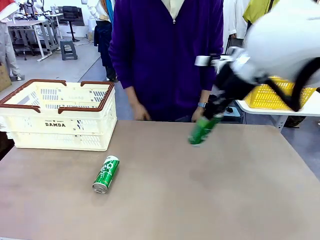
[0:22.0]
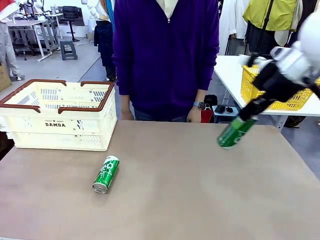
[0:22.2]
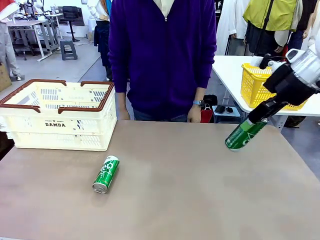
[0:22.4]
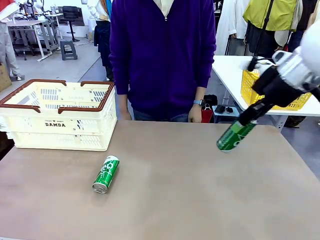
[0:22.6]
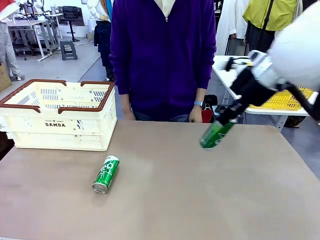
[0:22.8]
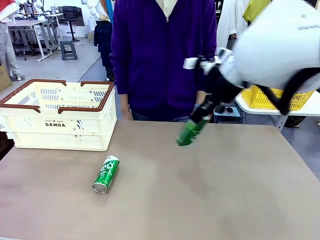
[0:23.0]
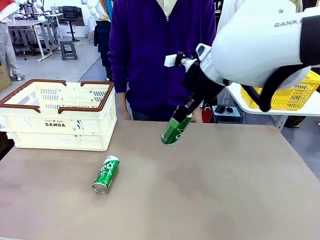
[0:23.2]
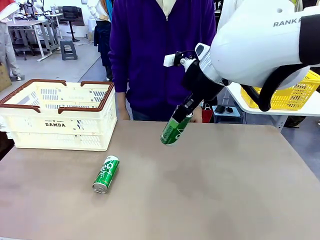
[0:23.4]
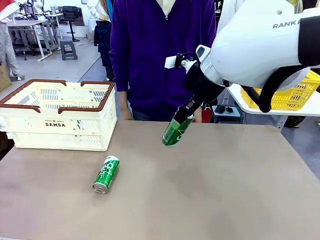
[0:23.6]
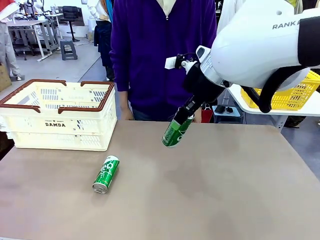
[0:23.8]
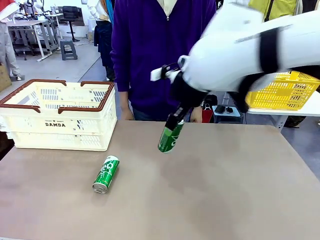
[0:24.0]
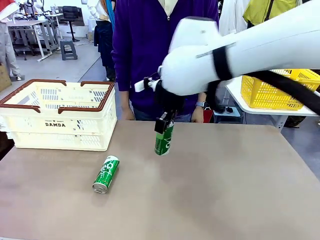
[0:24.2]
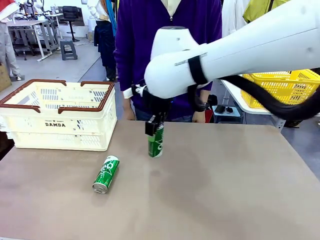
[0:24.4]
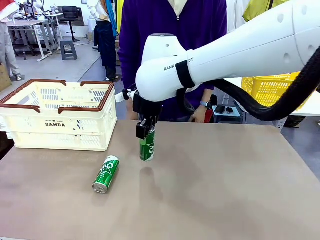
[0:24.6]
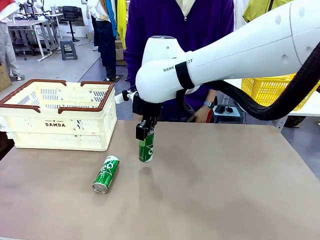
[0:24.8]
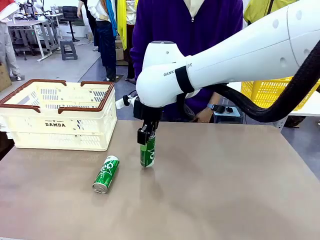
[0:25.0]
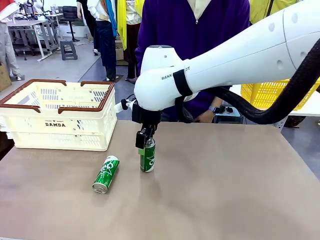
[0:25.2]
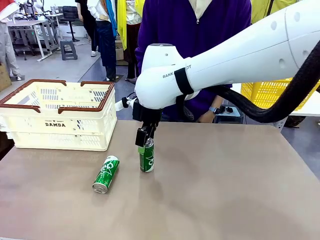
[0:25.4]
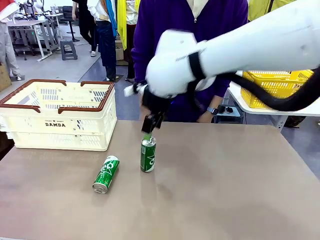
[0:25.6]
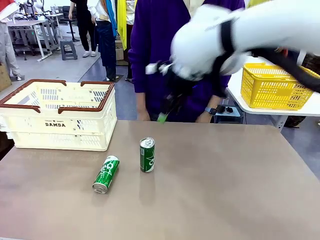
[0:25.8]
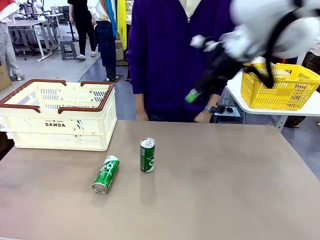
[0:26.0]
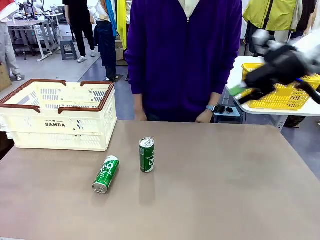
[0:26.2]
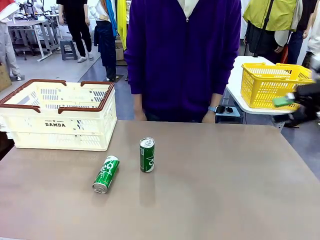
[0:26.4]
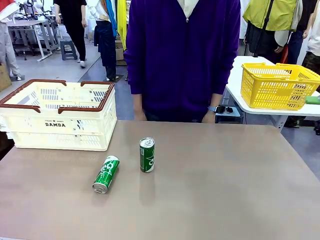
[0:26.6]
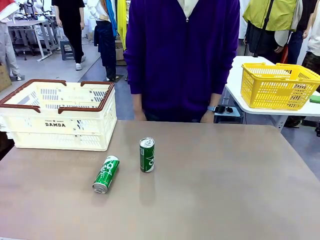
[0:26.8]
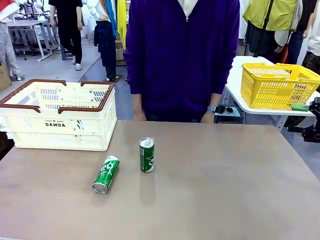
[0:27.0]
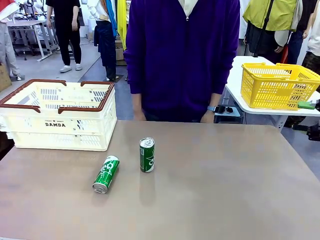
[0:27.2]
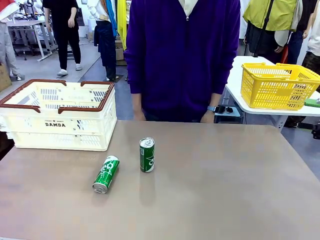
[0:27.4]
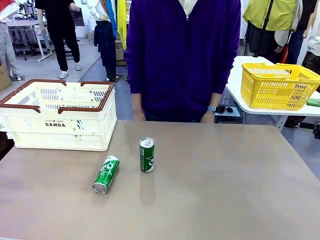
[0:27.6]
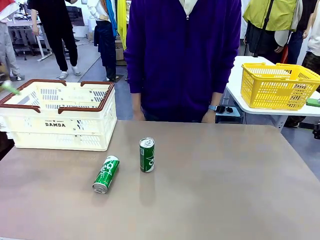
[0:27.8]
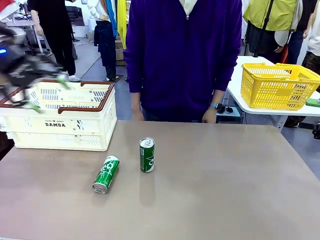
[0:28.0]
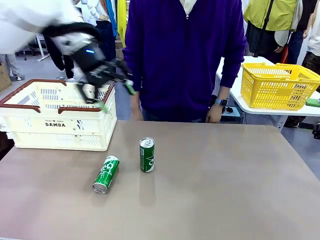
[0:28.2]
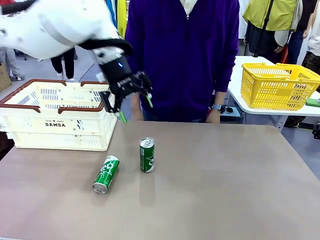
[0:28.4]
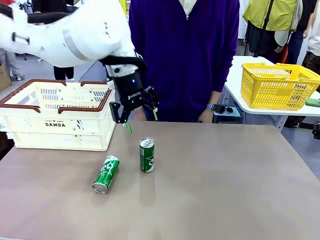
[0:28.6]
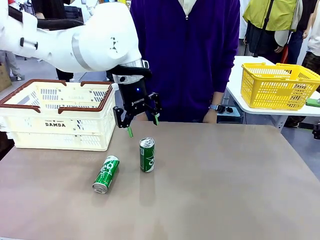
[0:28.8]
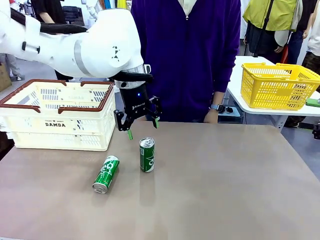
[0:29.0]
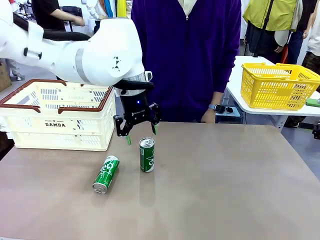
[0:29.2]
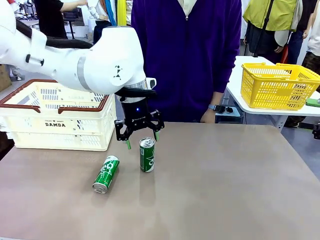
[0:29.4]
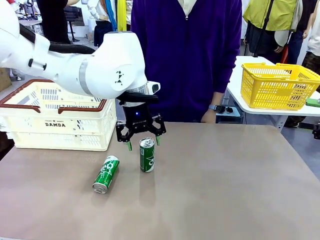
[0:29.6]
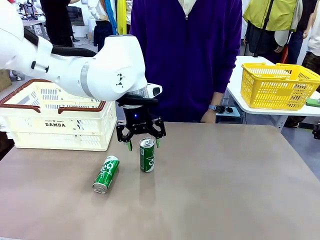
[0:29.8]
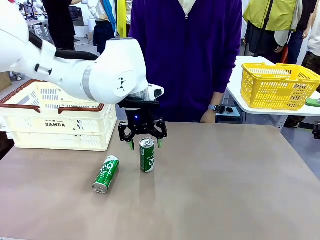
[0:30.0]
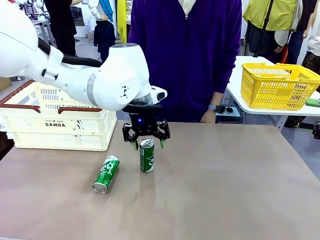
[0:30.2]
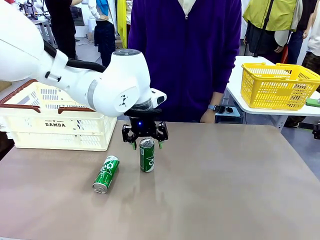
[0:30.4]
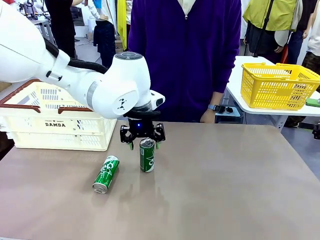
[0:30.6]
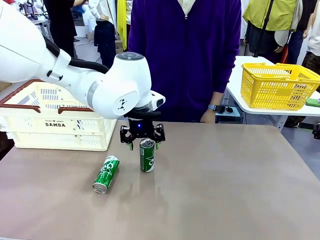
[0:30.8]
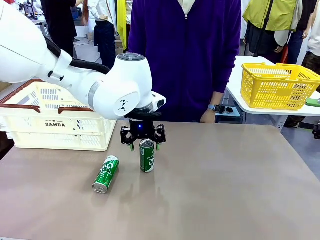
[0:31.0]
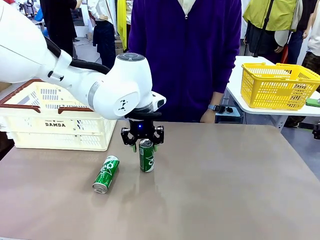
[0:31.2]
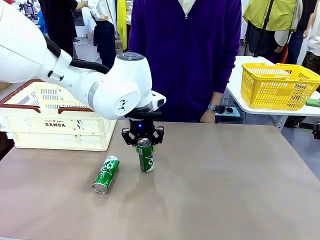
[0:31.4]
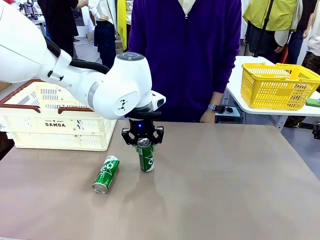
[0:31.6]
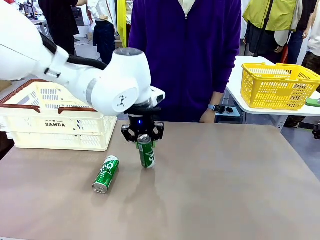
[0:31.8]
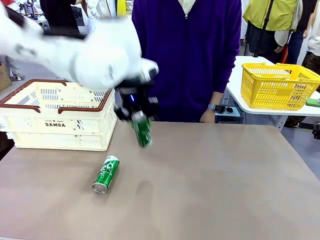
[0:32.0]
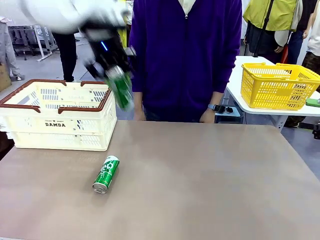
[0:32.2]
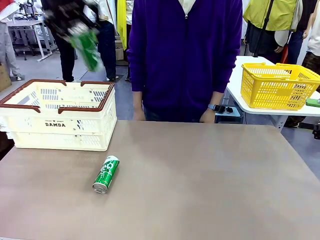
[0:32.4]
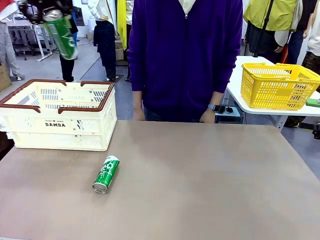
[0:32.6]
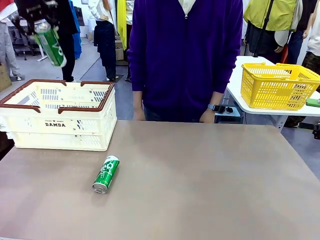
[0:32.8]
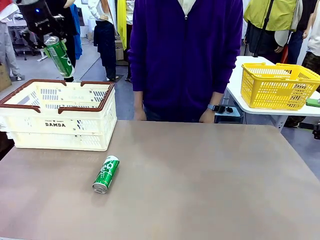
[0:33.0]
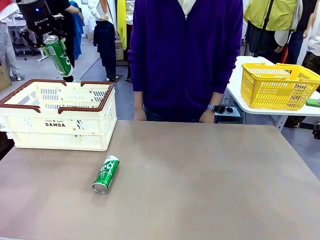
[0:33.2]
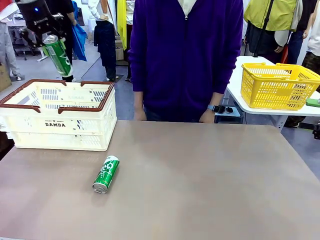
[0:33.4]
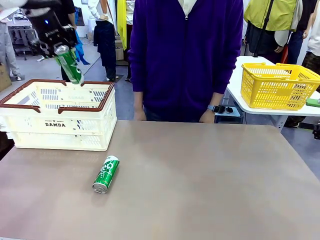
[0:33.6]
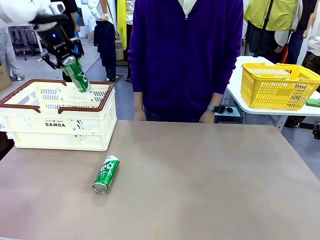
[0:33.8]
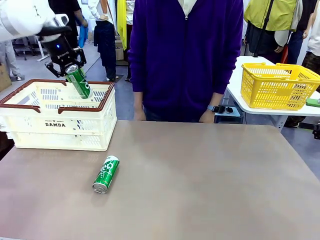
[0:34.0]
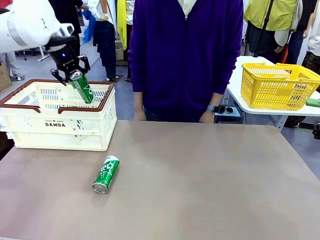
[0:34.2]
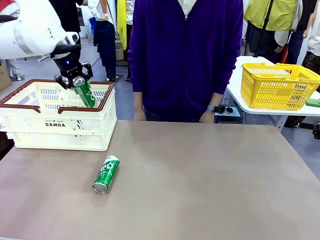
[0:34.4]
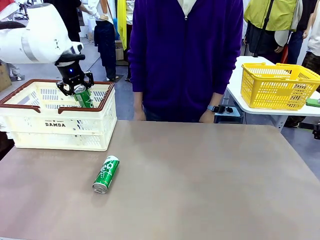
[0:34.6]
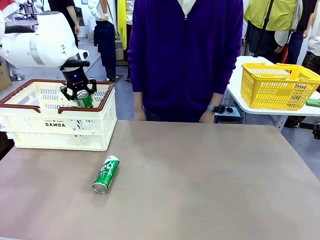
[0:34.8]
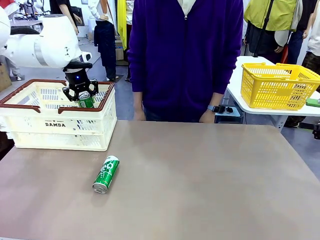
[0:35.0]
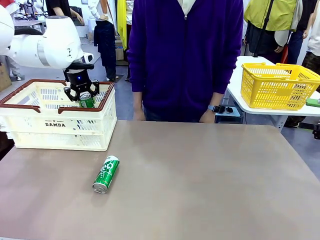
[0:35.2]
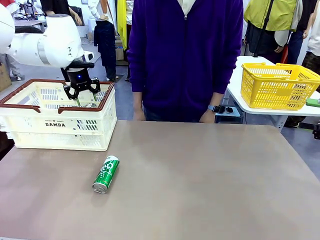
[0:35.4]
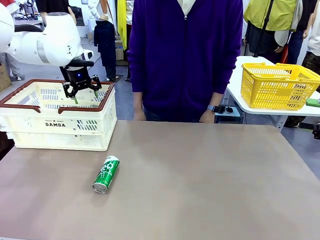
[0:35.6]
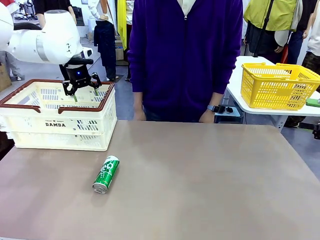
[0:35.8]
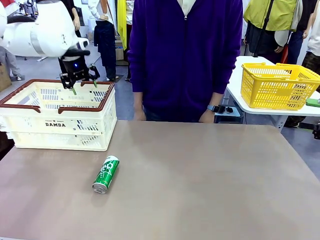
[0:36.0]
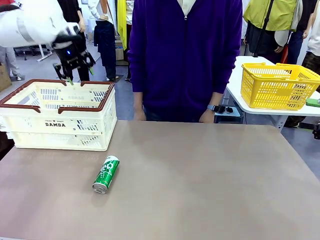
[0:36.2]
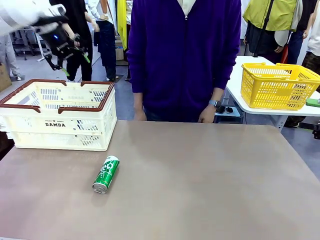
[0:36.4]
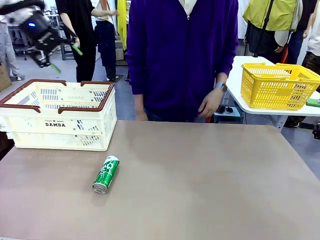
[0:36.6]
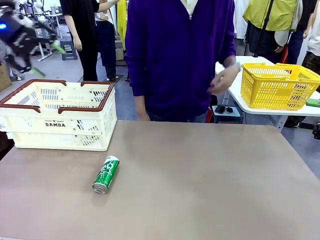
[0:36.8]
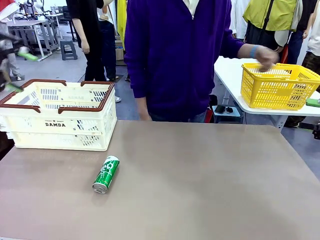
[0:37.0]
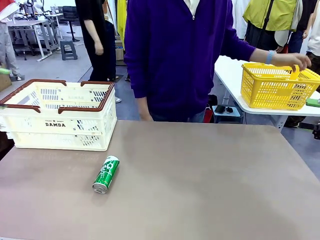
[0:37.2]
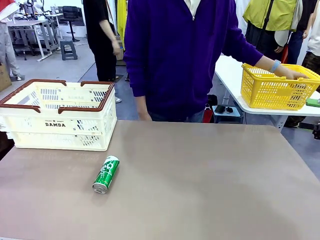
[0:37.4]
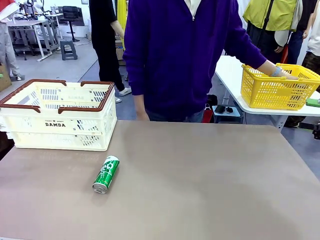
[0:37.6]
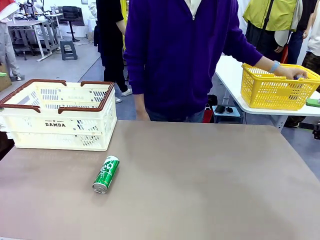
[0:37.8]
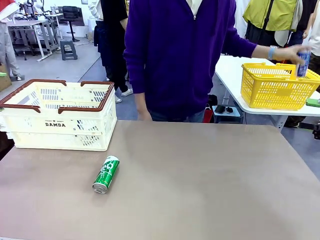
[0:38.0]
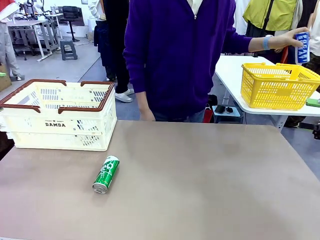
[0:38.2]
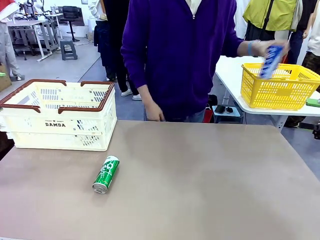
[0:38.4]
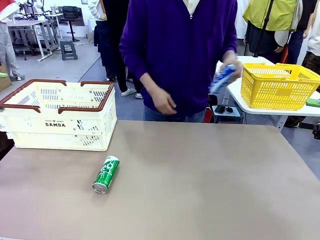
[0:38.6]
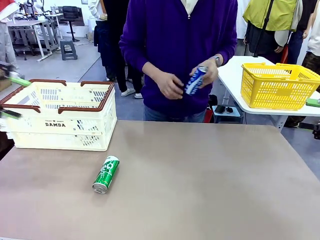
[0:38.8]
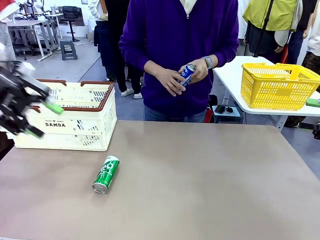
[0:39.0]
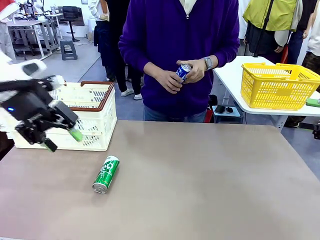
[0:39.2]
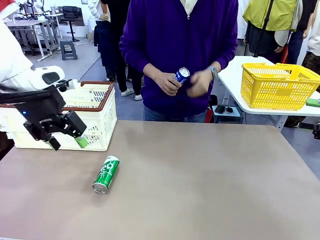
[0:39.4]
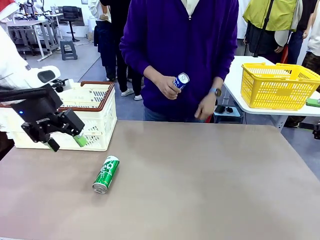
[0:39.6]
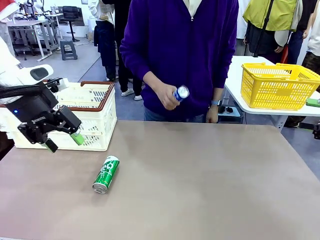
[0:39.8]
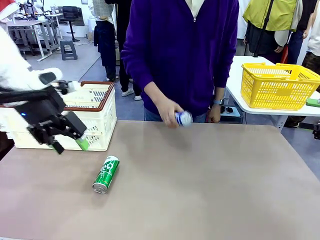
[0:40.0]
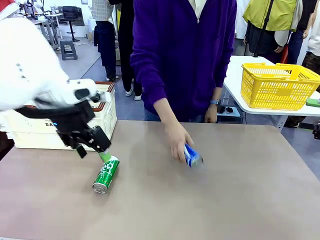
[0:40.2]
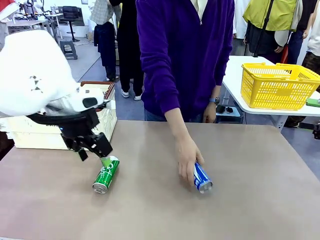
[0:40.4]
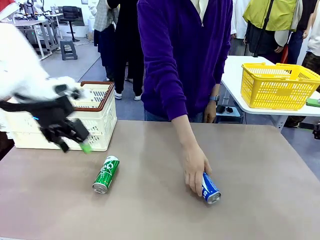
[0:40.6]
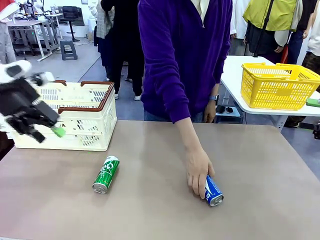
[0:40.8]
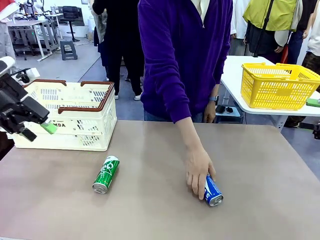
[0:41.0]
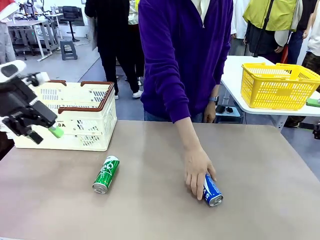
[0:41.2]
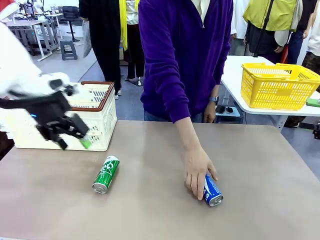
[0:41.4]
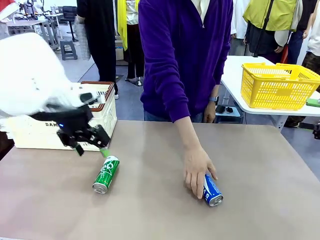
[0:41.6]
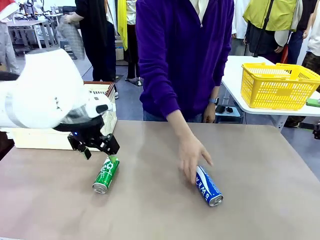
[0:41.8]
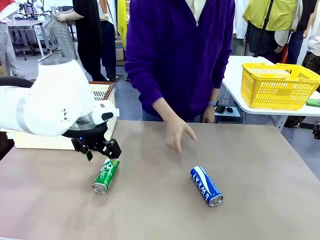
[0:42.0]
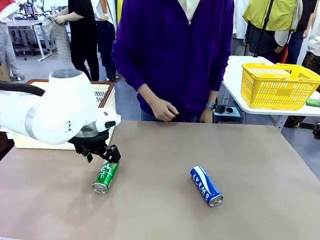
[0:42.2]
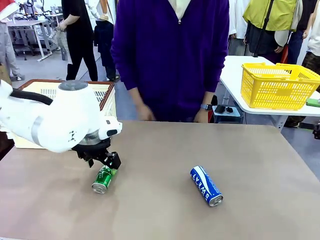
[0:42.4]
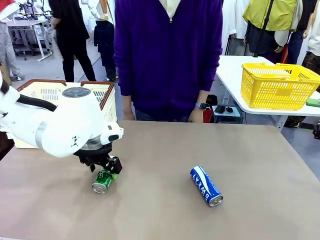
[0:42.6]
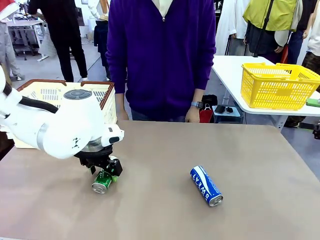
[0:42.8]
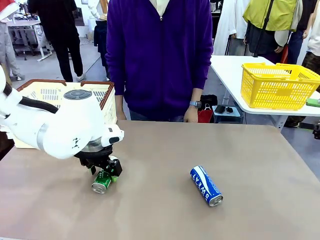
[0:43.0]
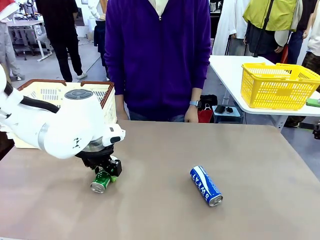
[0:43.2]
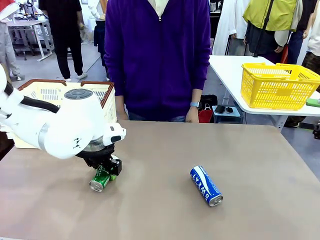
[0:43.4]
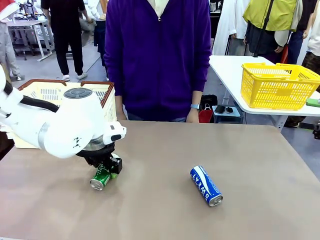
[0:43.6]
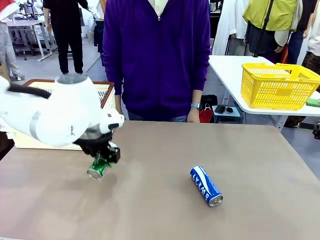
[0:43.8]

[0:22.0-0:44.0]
Task: Place the drinks into the Shopping basket.
Robot: Pick up one drink and place it into the Shopping basket.
